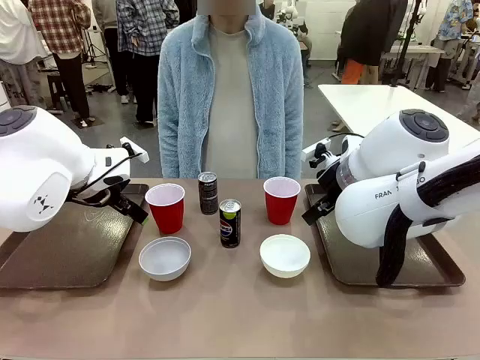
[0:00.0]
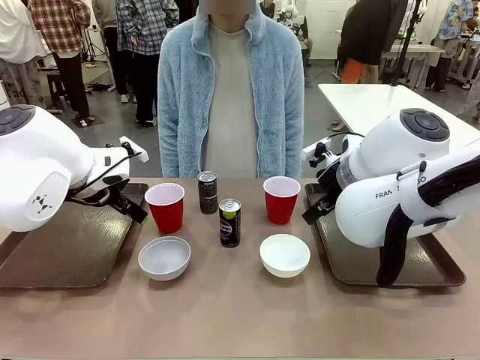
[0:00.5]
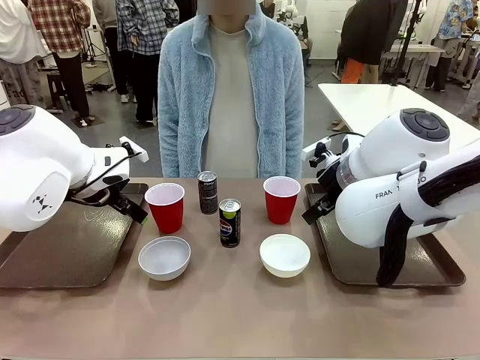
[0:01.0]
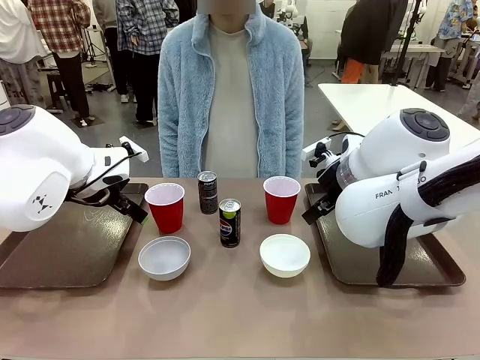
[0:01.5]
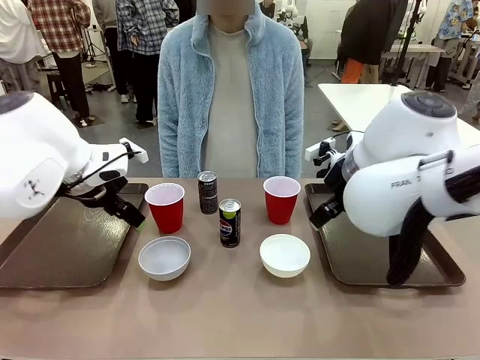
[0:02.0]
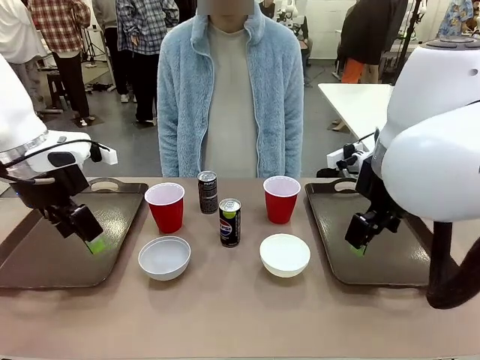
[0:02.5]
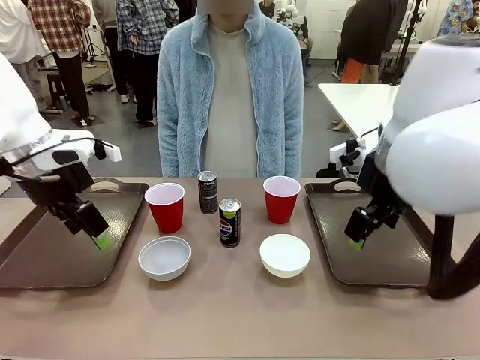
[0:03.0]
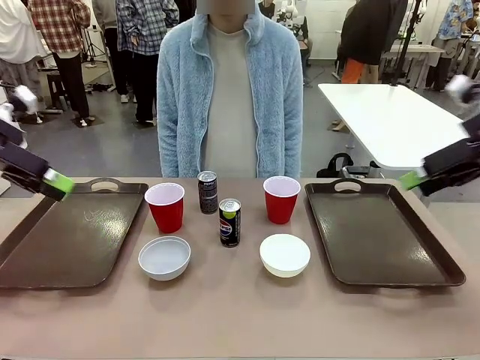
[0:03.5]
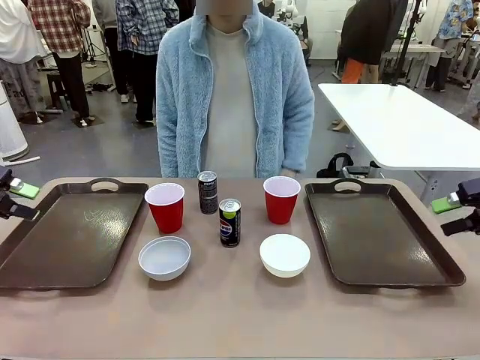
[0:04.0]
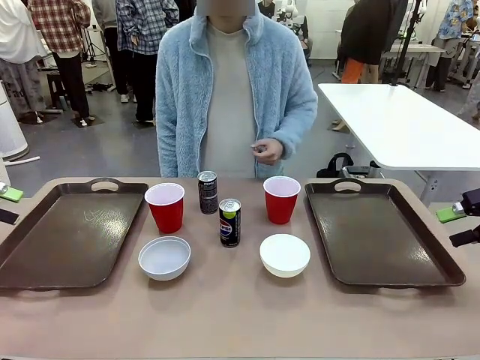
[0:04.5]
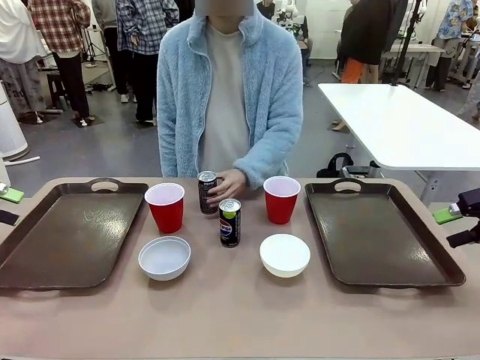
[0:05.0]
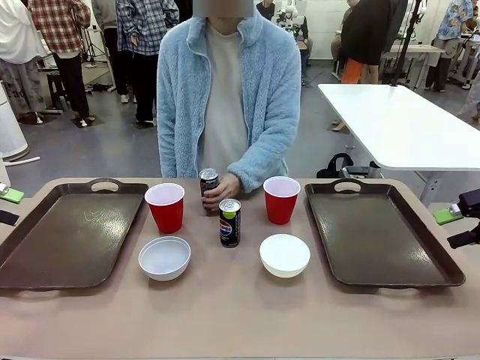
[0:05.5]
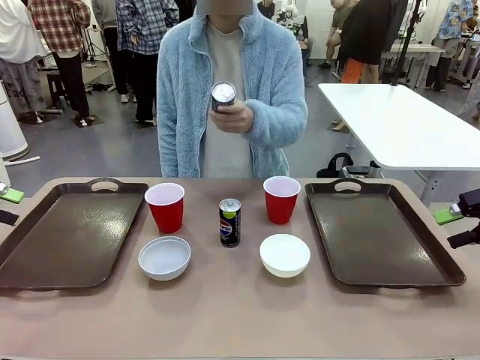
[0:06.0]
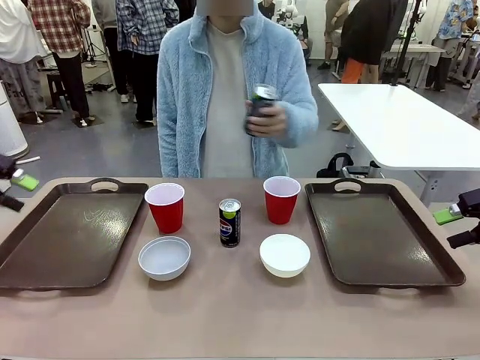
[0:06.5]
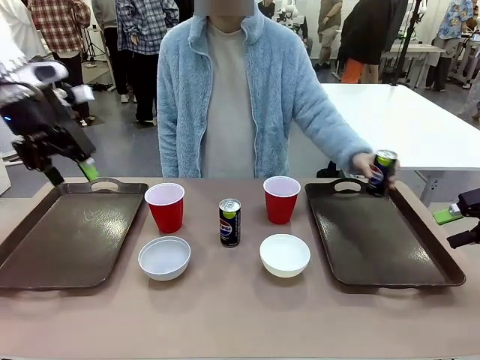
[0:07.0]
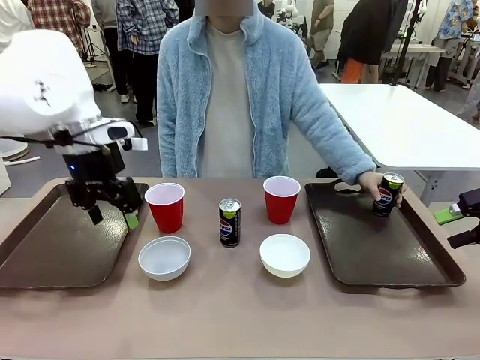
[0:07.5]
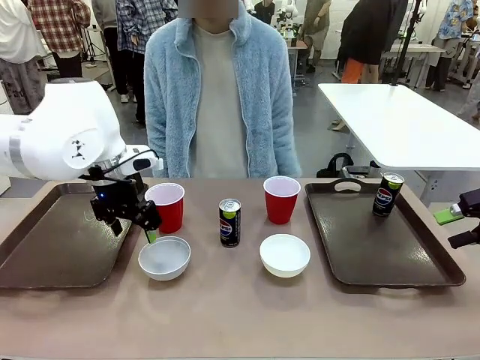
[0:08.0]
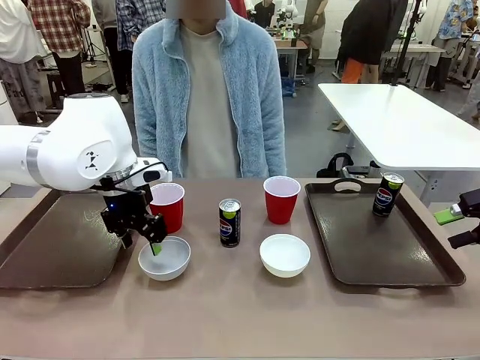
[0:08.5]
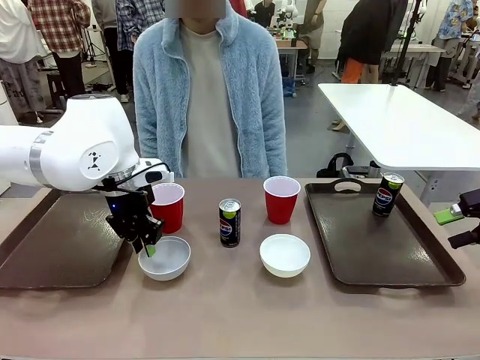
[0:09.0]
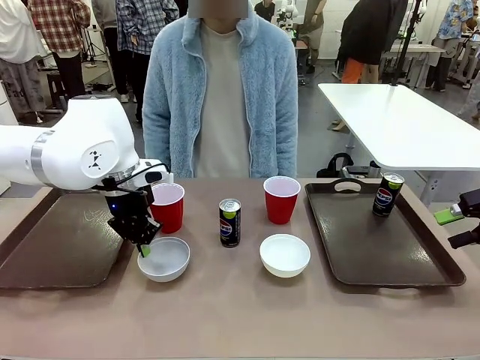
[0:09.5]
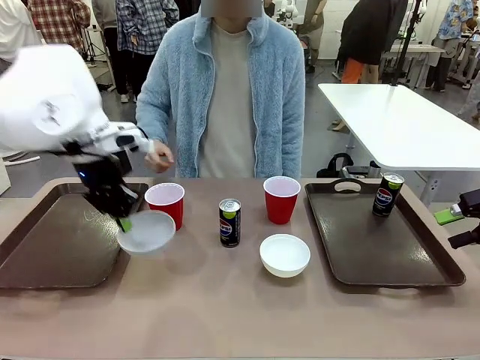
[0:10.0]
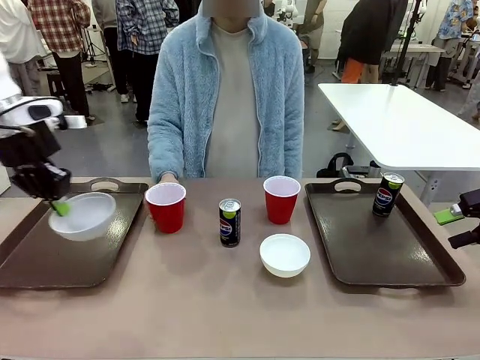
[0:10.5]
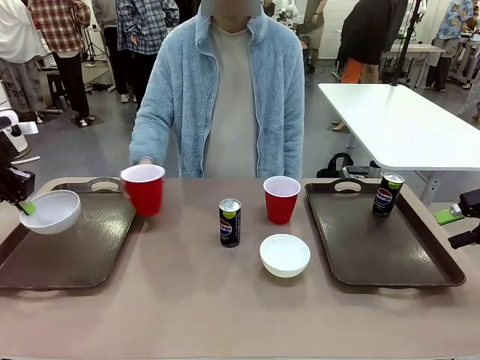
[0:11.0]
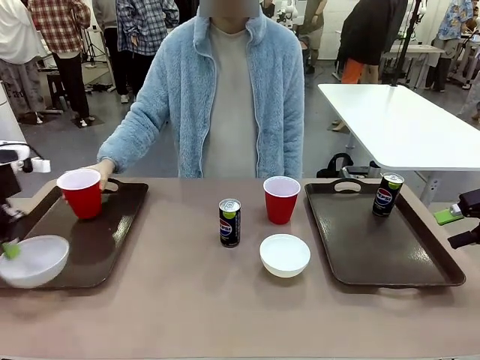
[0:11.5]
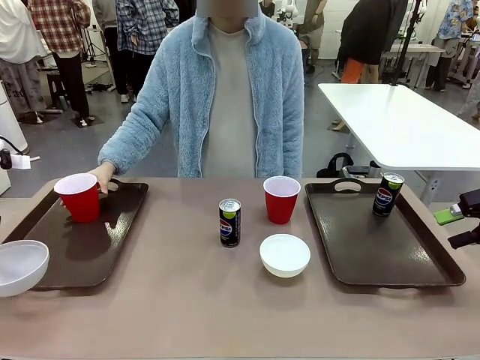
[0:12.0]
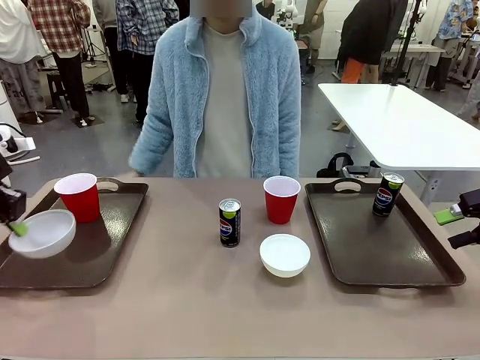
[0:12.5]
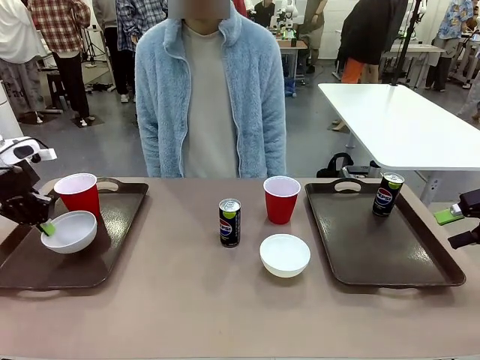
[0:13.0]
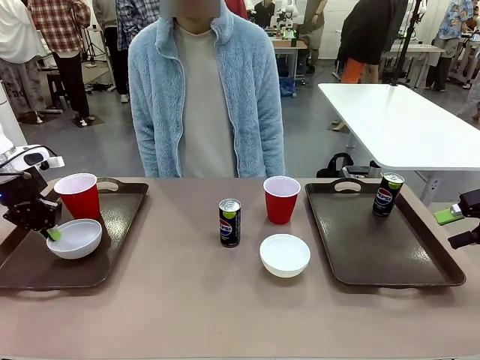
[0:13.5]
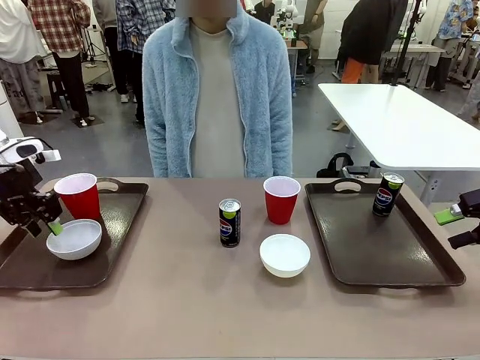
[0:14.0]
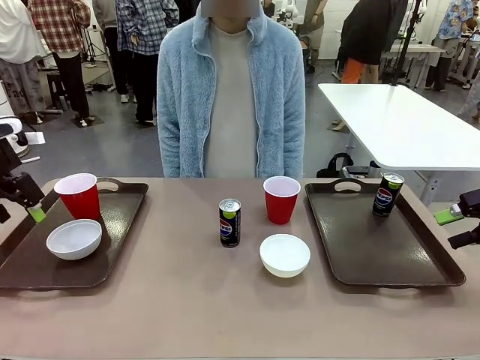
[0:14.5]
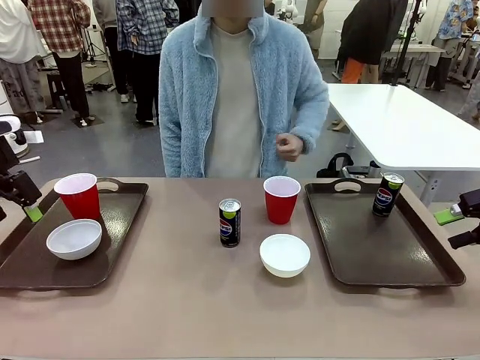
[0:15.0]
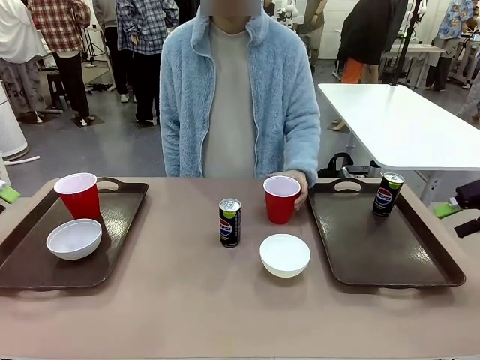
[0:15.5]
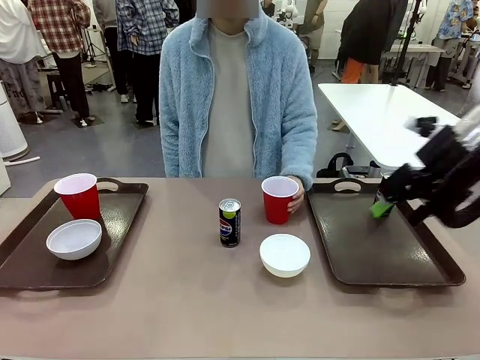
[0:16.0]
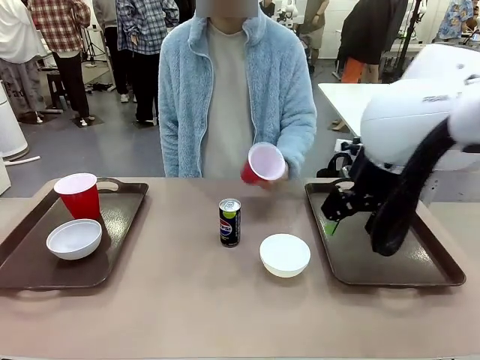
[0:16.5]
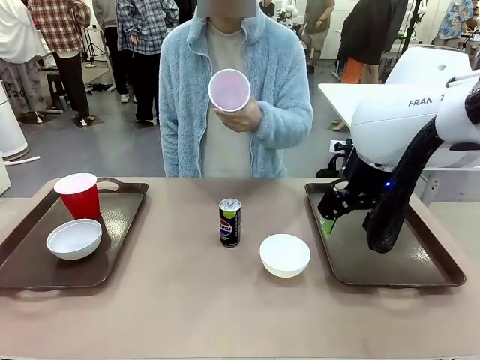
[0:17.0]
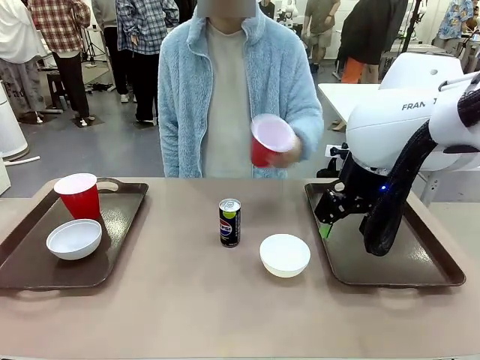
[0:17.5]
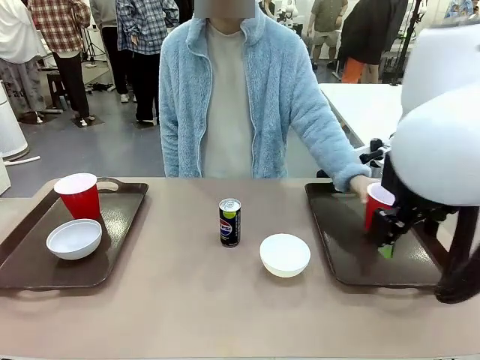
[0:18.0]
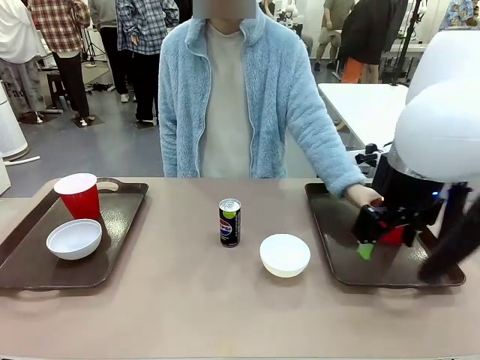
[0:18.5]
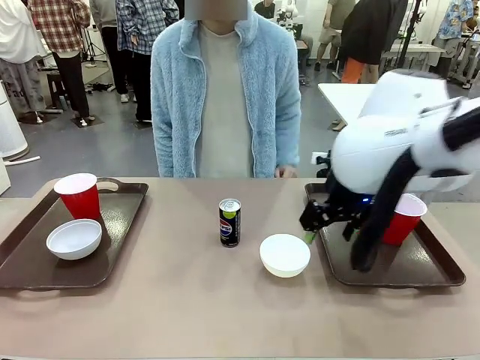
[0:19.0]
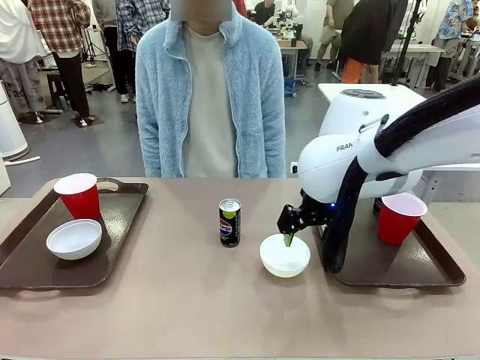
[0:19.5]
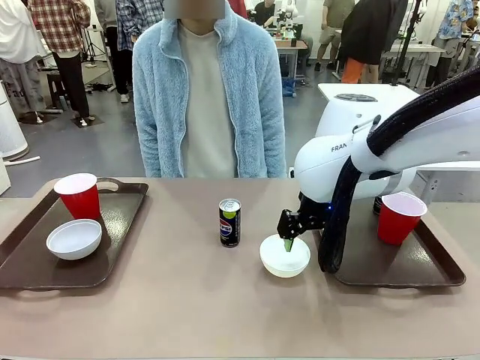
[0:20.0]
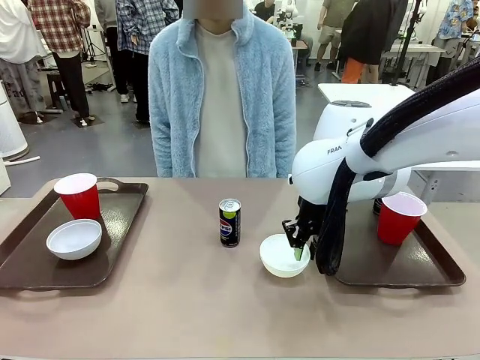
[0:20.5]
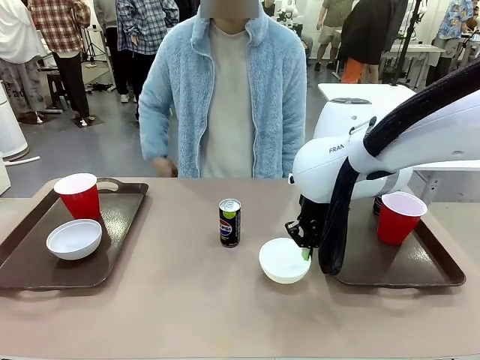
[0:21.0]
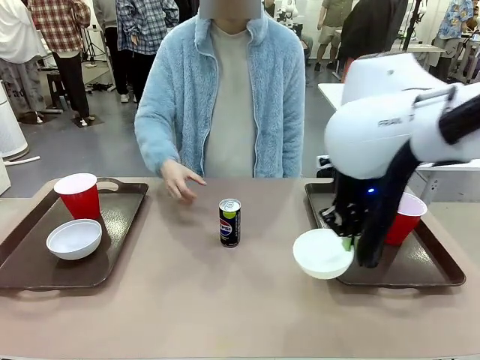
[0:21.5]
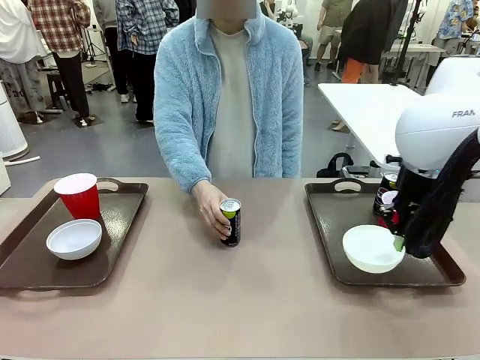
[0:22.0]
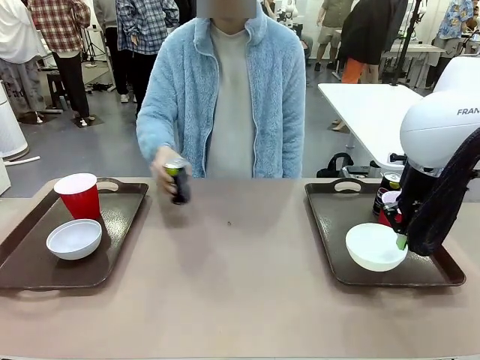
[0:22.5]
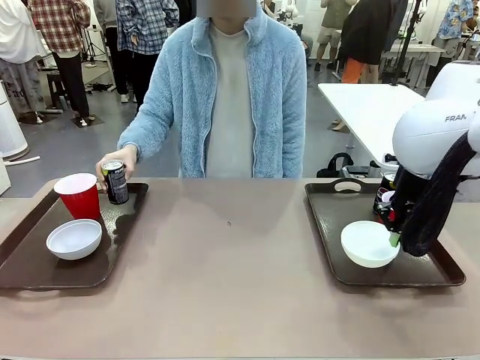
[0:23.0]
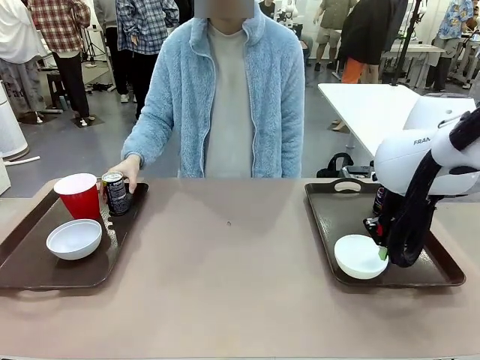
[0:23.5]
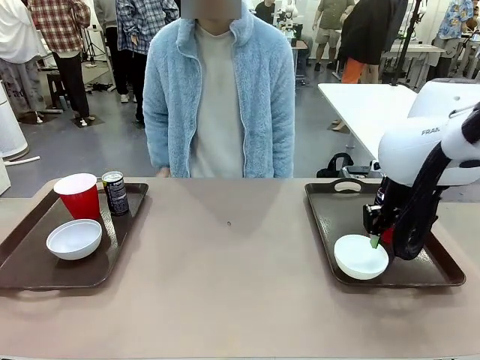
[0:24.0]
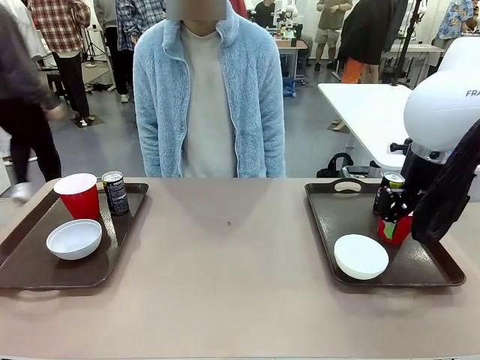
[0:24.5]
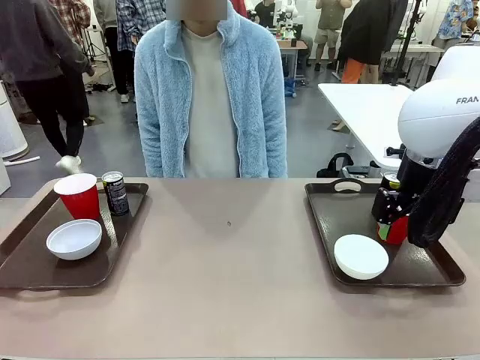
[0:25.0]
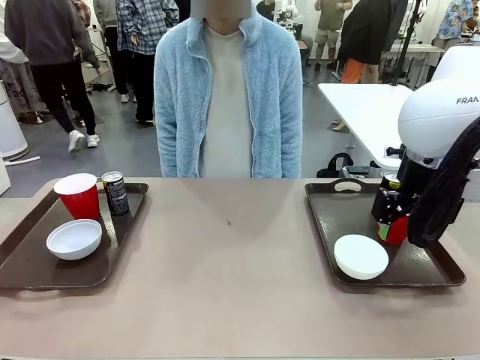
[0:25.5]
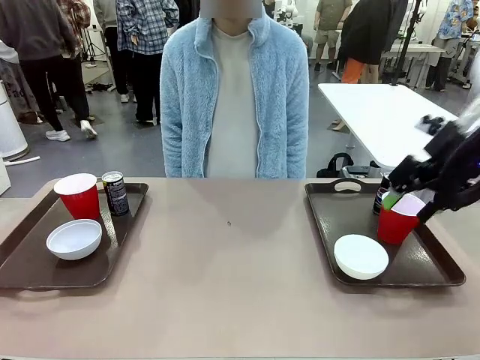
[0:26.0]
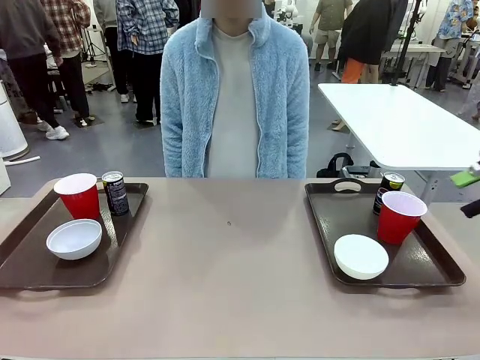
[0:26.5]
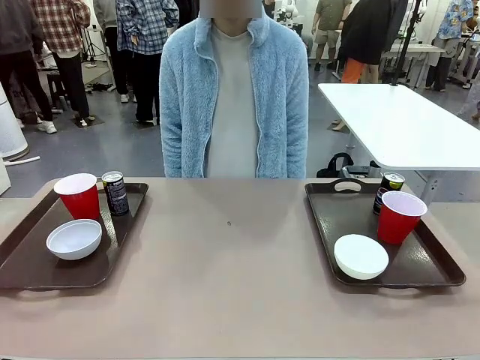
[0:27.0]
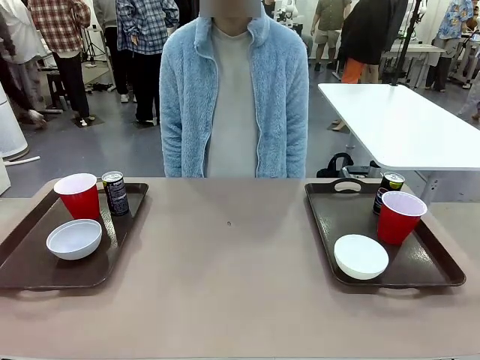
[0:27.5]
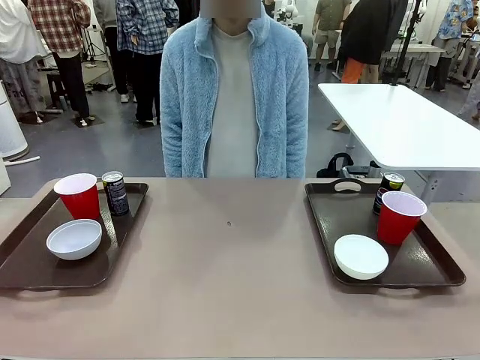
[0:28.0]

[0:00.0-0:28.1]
Task: Prepare tableware on both trays.
Robot: Pick up a Picnic Bowl from the table and place it on a Handle tray.
Person: Pick up a can or cup and place it on the tray. Pick up a can or cup and place it on the tray without a can or cup.
